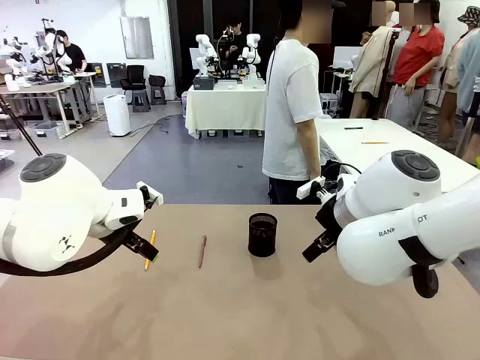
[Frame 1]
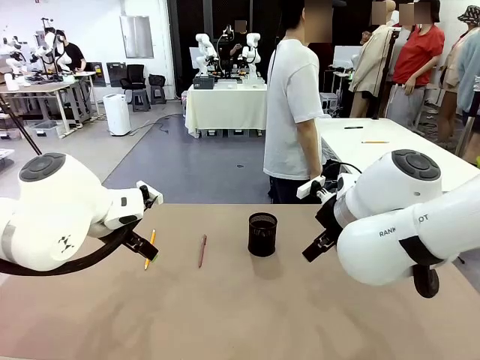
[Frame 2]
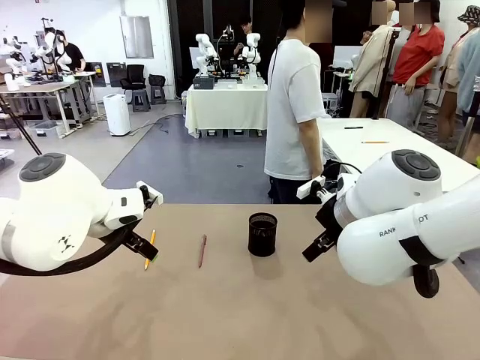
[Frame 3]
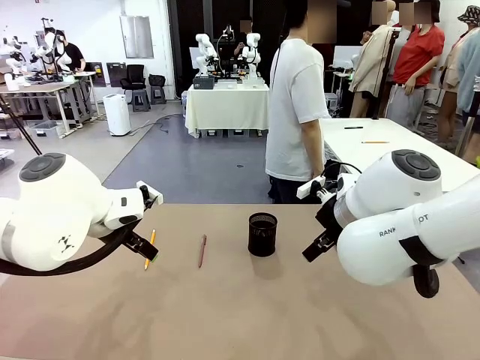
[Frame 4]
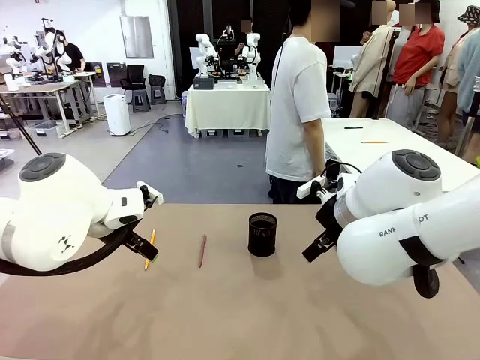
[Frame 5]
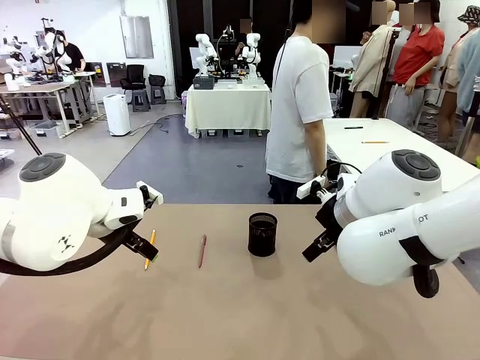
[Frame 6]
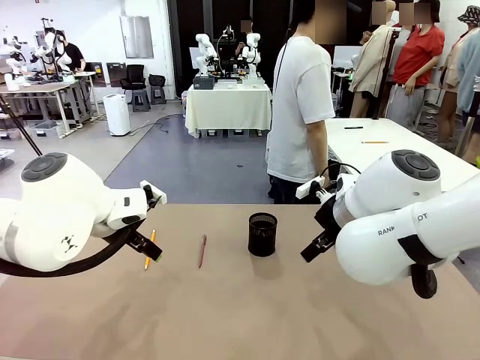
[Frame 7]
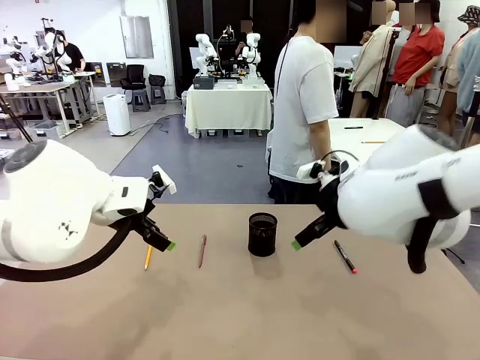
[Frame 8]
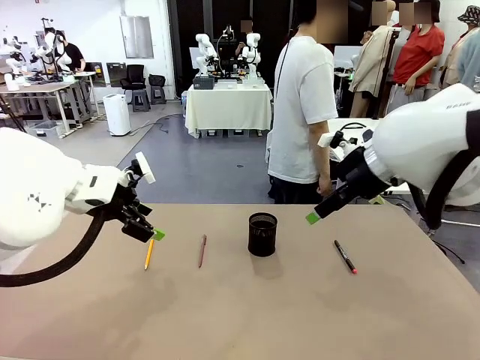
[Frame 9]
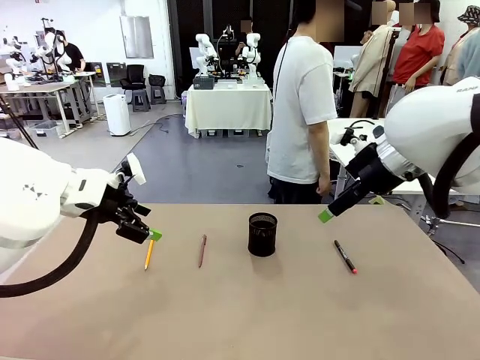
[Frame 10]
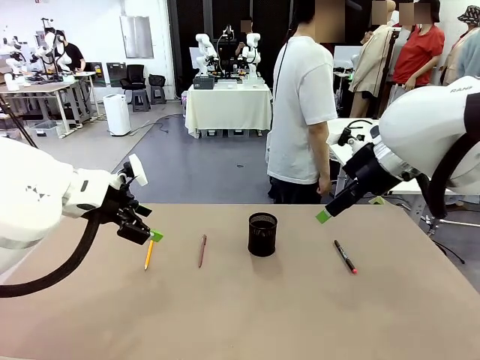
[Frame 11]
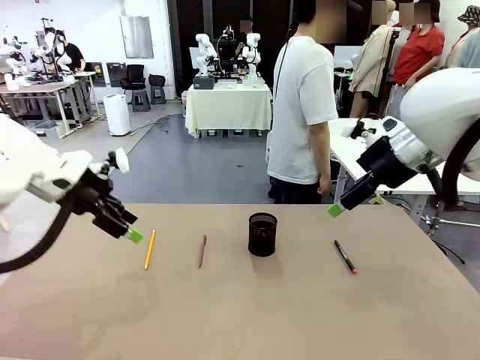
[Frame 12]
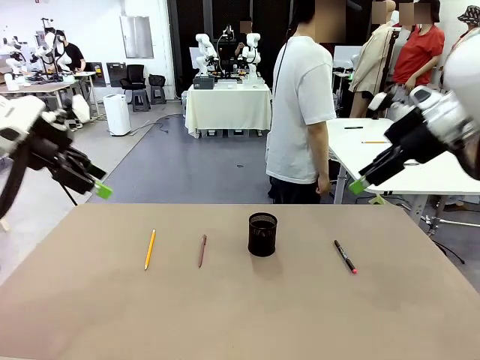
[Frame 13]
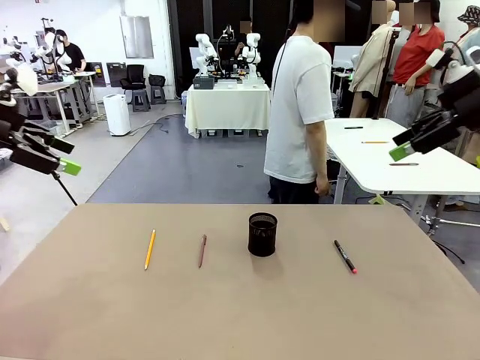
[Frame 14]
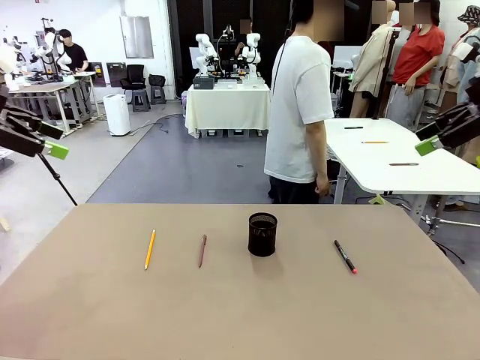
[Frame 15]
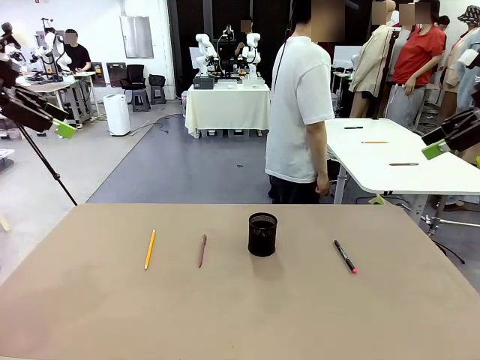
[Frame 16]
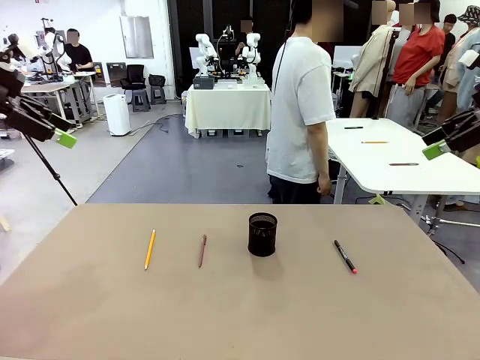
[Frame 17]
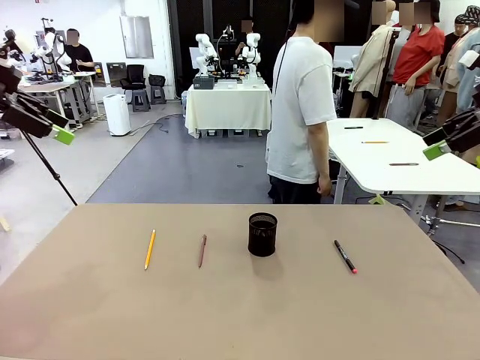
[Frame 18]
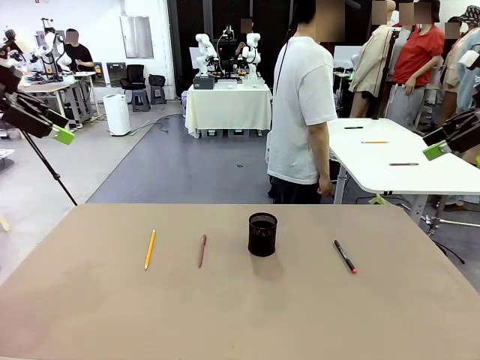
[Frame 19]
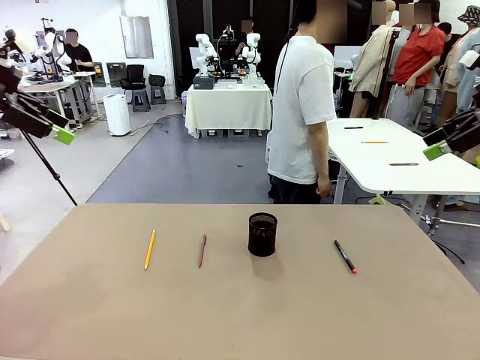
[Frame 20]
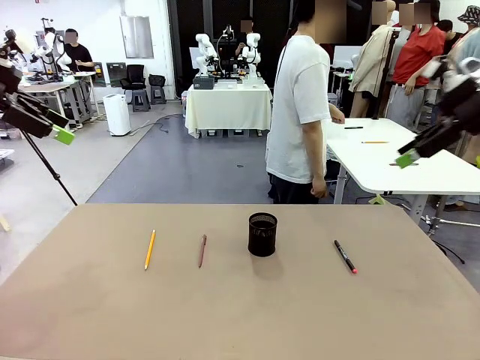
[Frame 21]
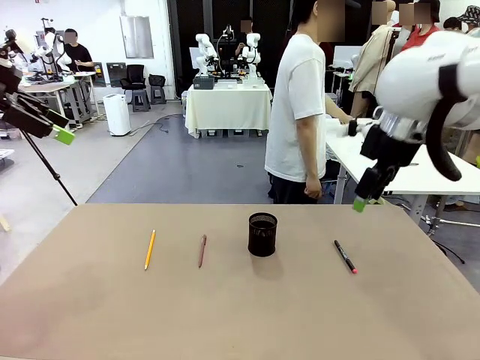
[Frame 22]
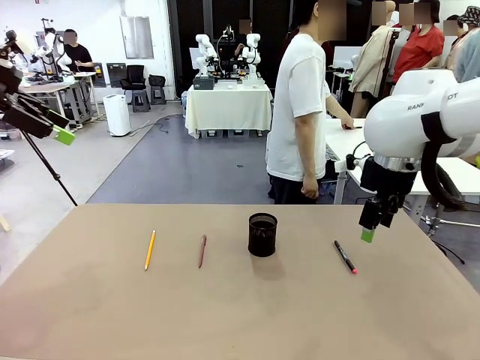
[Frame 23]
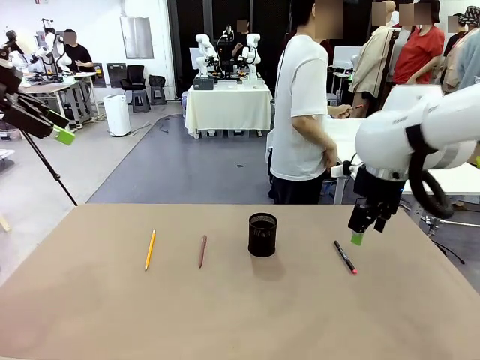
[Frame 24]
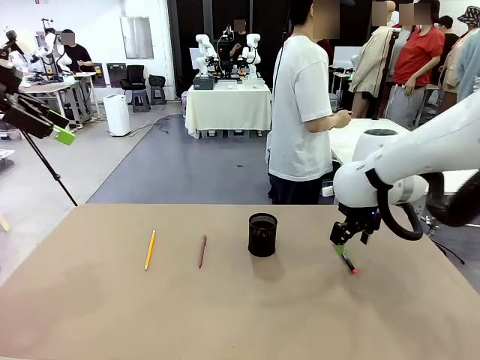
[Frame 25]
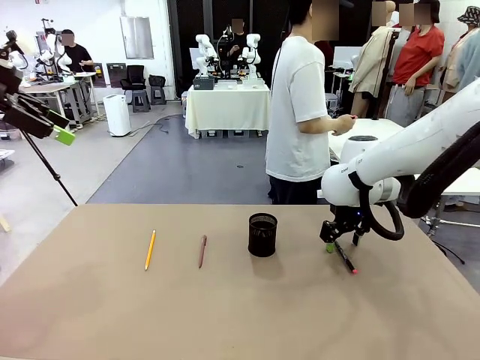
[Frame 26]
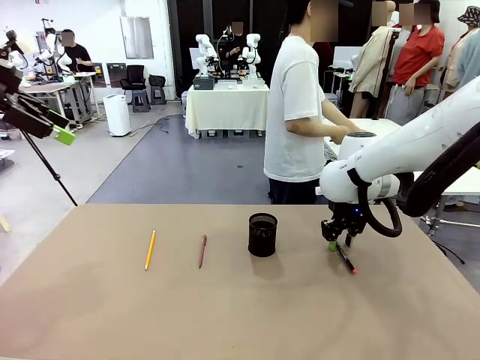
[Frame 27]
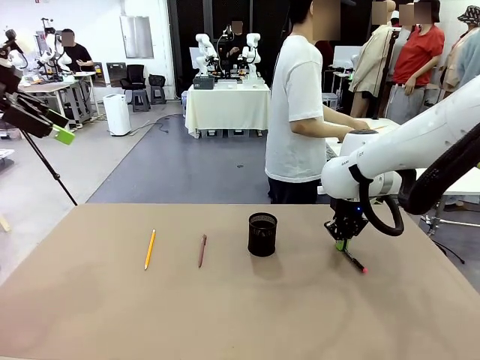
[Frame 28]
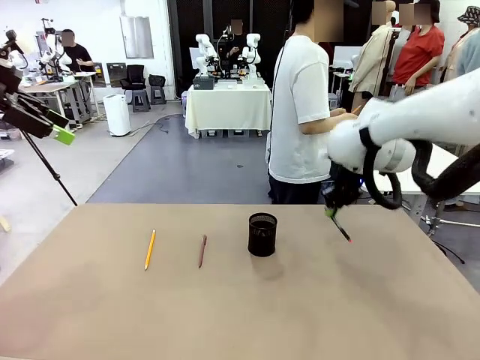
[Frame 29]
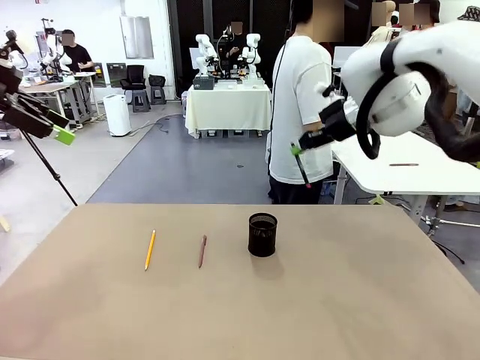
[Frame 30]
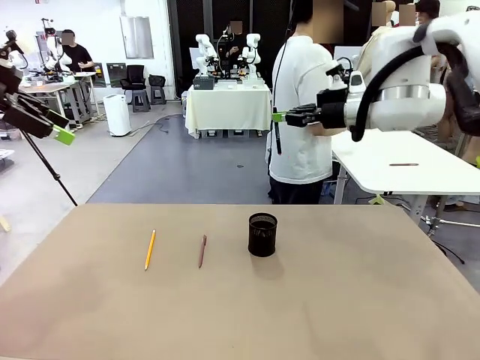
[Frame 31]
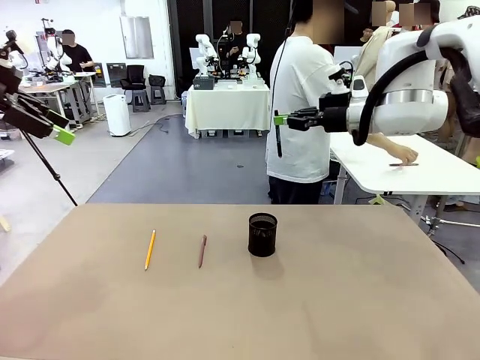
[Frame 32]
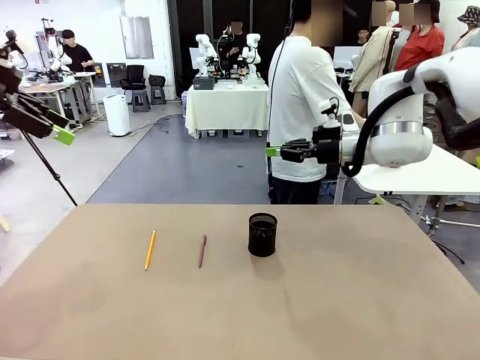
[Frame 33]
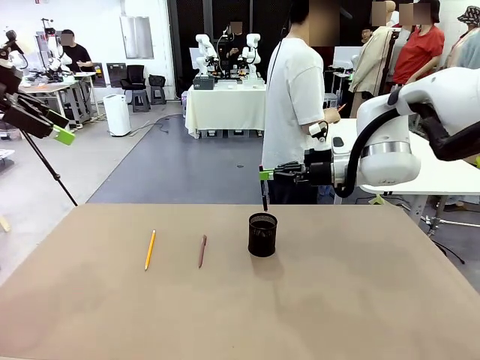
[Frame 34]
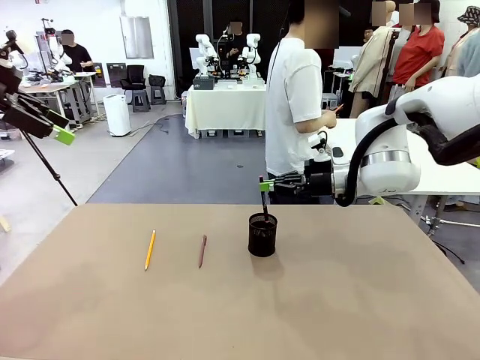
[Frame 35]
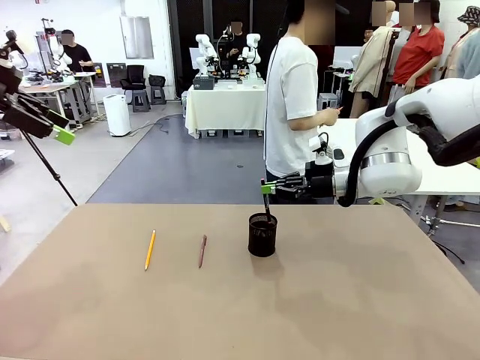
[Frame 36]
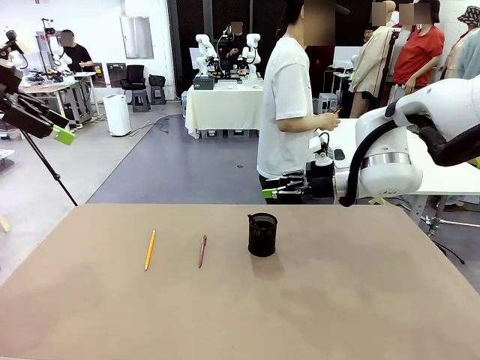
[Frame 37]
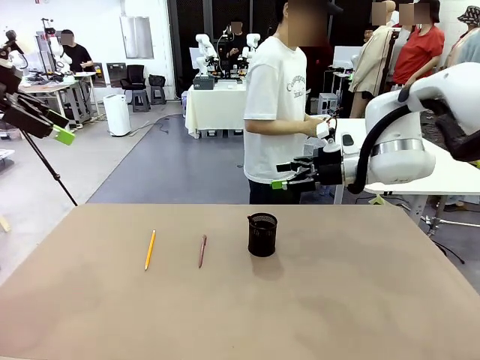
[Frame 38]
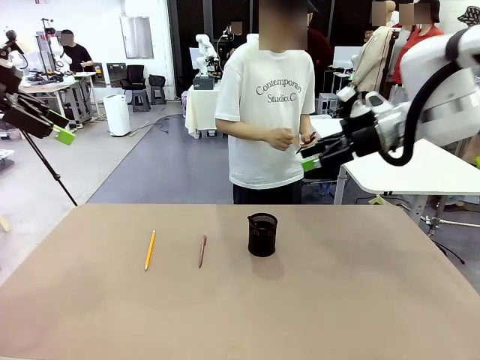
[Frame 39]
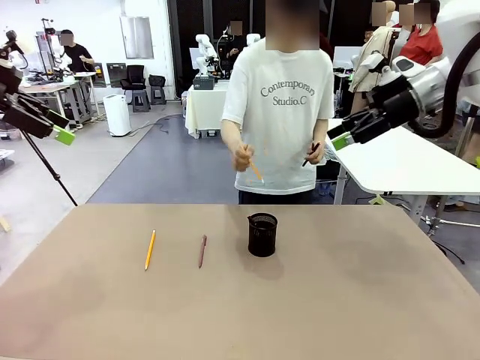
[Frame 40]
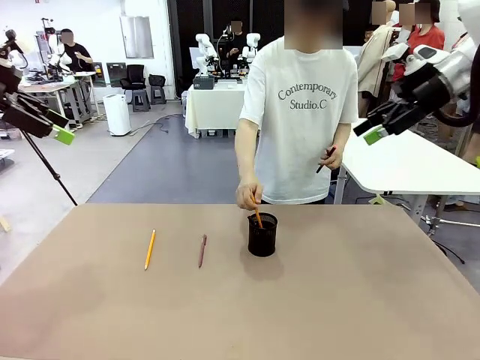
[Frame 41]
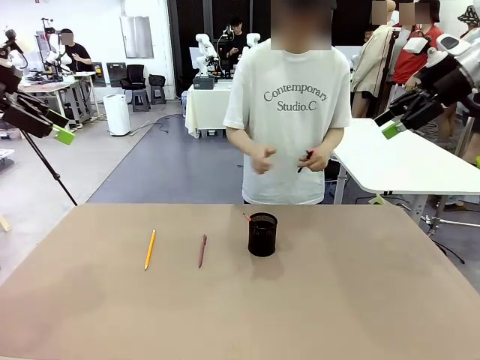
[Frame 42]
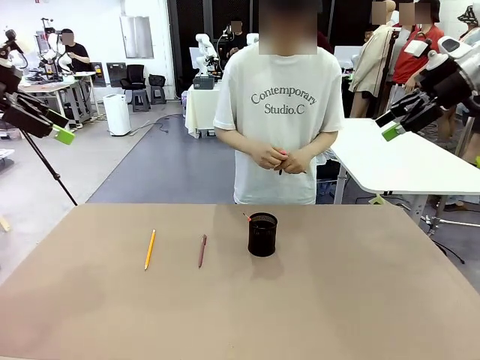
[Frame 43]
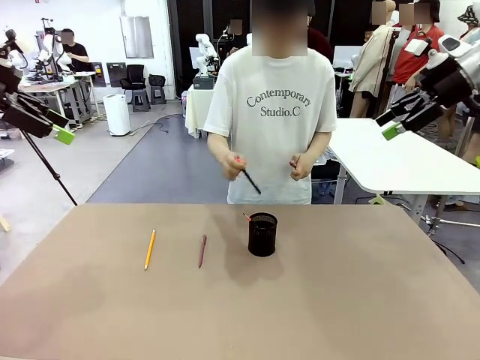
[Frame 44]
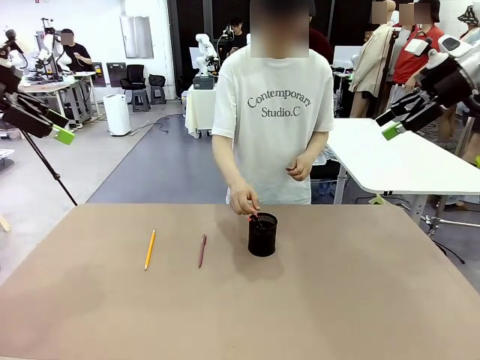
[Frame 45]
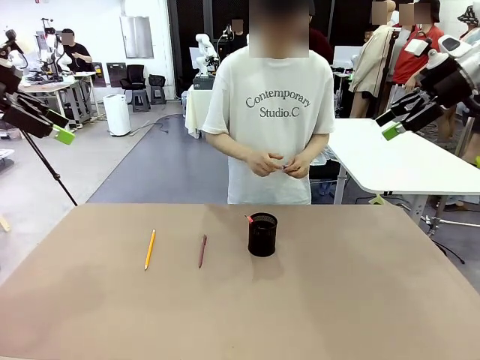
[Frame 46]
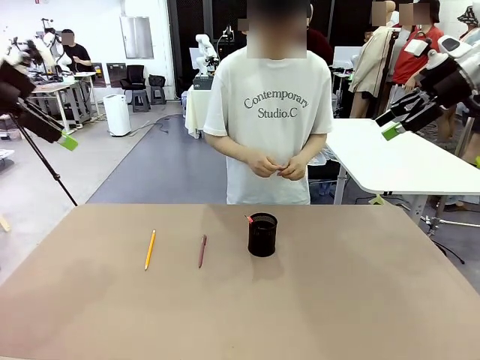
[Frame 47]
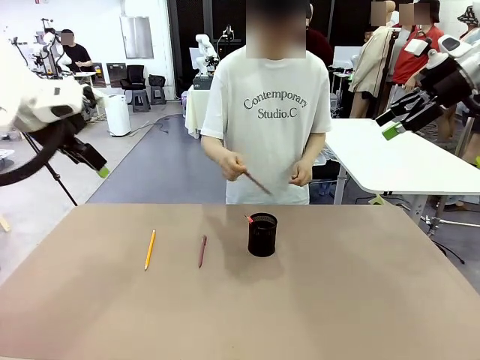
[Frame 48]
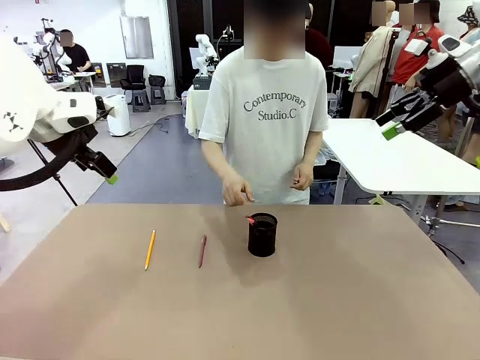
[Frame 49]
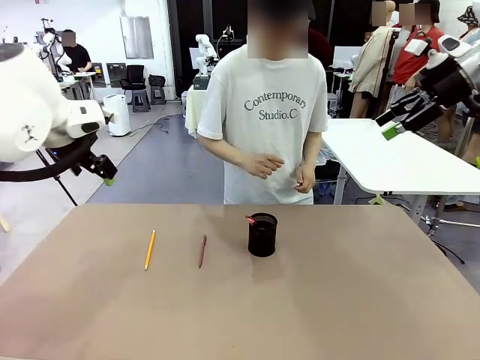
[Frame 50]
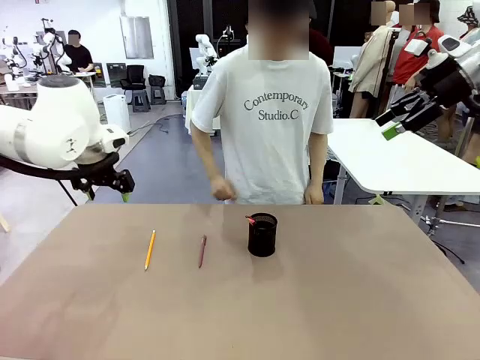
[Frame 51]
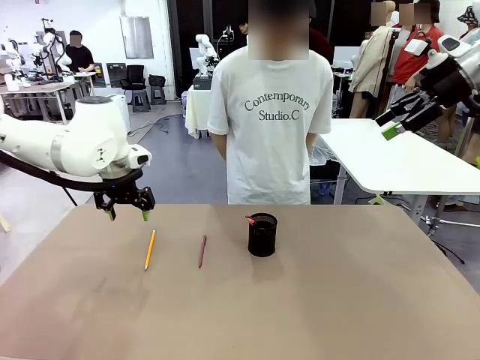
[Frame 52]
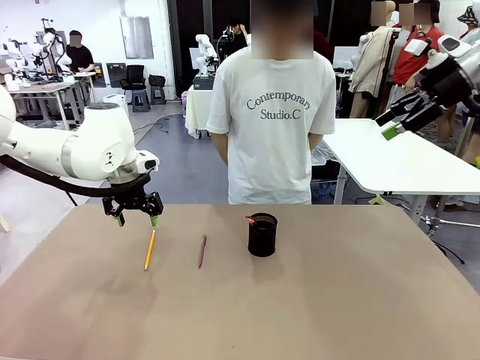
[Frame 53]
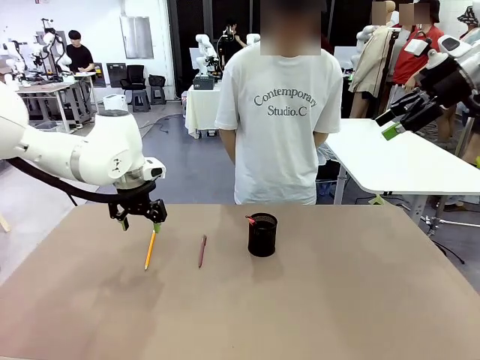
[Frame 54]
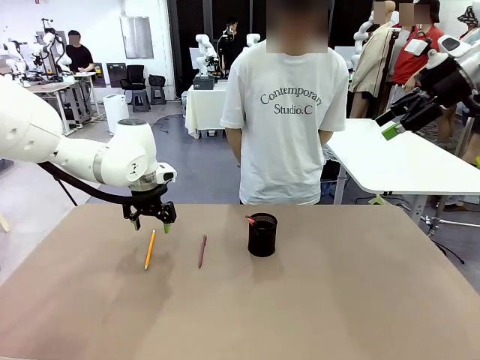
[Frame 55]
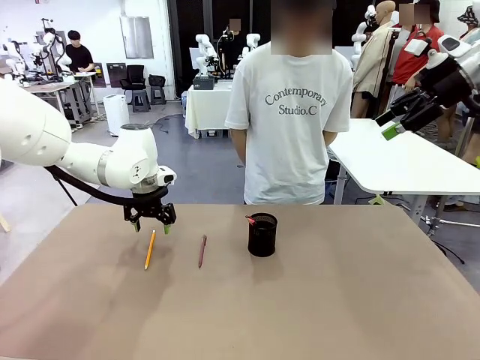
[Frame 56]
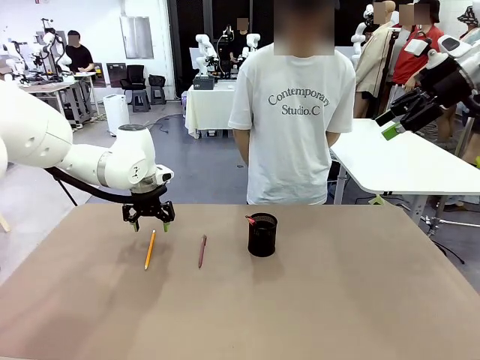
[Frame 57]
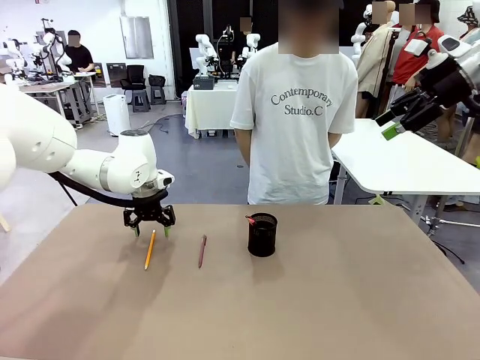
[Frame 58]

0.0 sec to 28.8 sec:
Task: Place the pens into the pen holder.
Robot: Pick up a writing instrument from the table and place it into the Pen holder.
Person: Pick up all writing instruments from the Human table.
